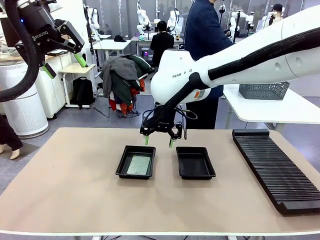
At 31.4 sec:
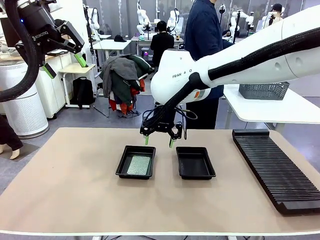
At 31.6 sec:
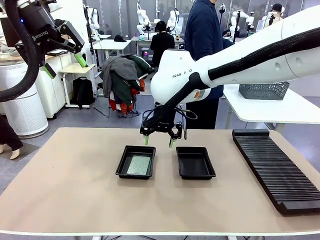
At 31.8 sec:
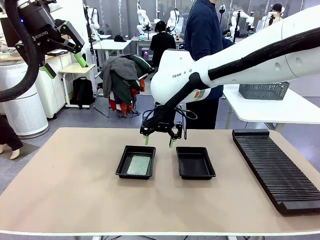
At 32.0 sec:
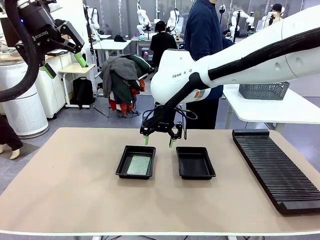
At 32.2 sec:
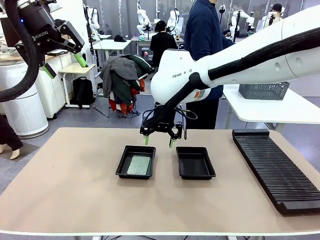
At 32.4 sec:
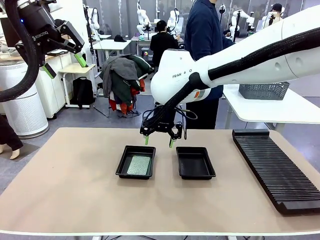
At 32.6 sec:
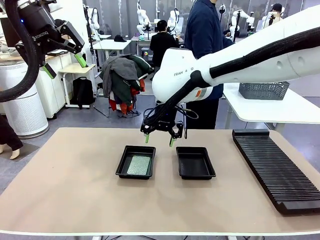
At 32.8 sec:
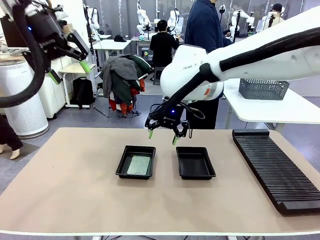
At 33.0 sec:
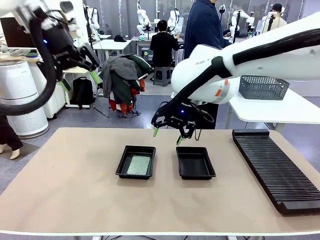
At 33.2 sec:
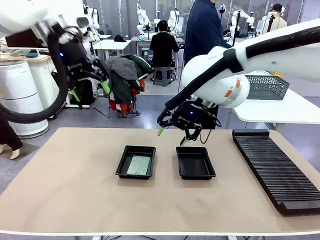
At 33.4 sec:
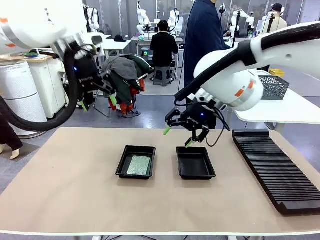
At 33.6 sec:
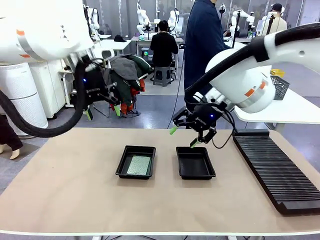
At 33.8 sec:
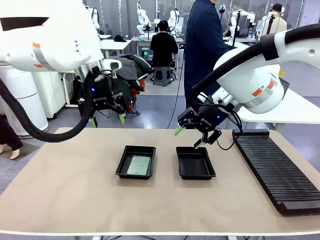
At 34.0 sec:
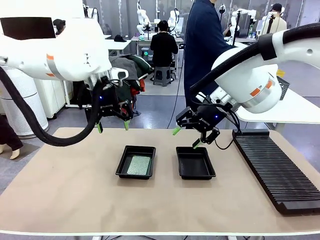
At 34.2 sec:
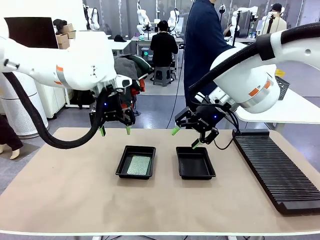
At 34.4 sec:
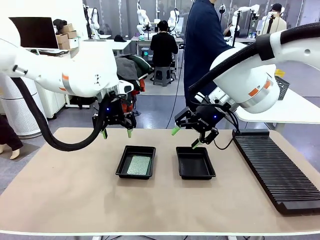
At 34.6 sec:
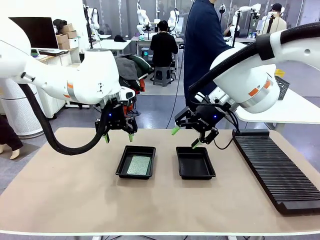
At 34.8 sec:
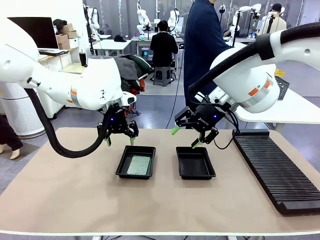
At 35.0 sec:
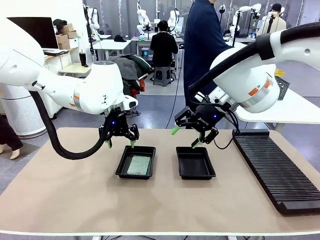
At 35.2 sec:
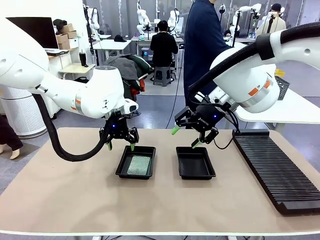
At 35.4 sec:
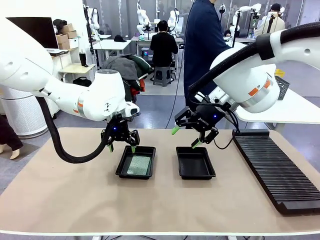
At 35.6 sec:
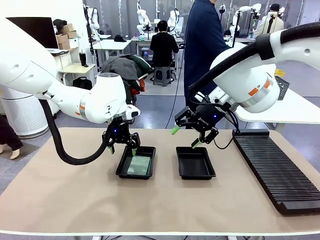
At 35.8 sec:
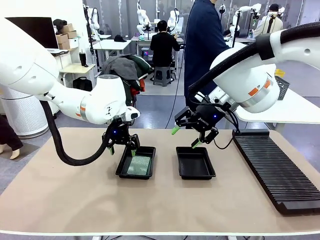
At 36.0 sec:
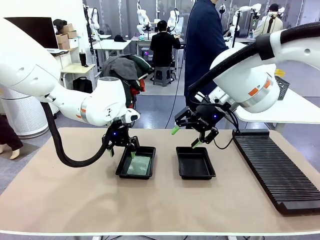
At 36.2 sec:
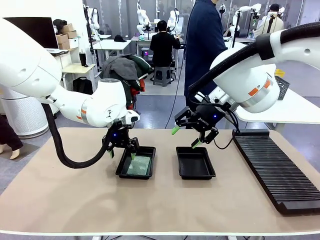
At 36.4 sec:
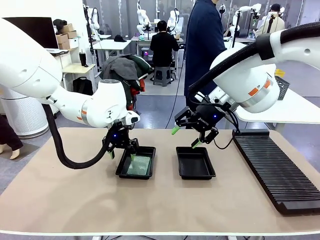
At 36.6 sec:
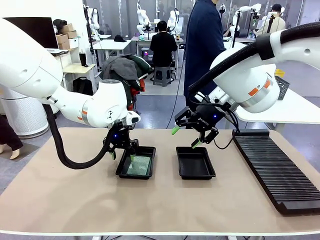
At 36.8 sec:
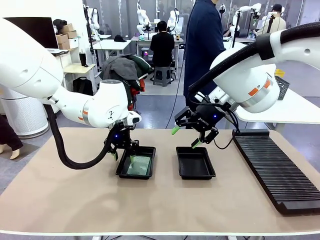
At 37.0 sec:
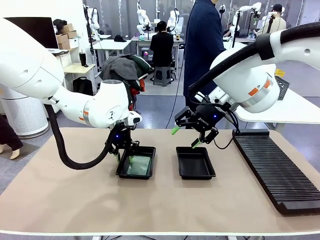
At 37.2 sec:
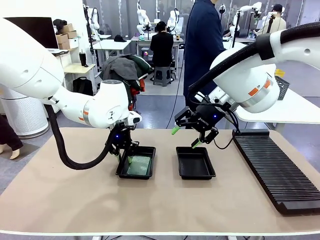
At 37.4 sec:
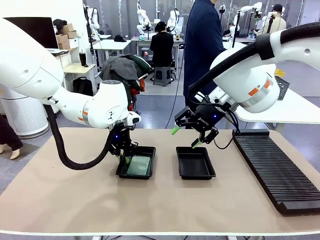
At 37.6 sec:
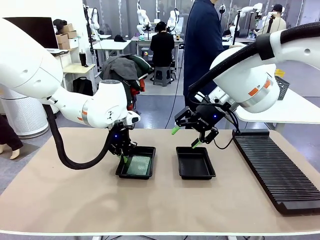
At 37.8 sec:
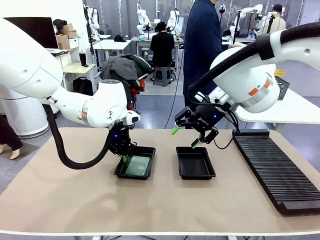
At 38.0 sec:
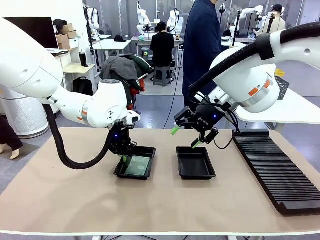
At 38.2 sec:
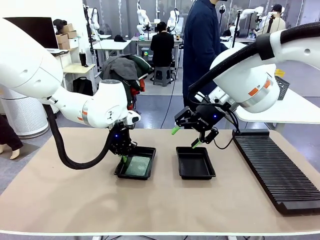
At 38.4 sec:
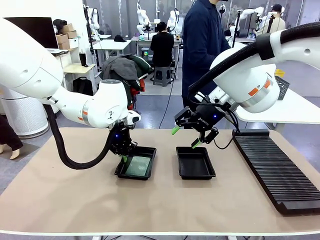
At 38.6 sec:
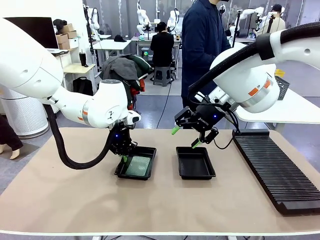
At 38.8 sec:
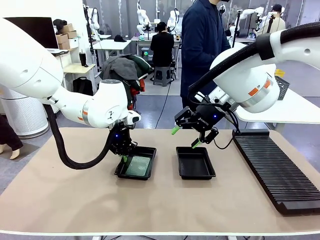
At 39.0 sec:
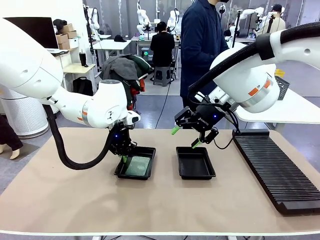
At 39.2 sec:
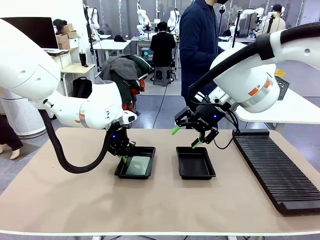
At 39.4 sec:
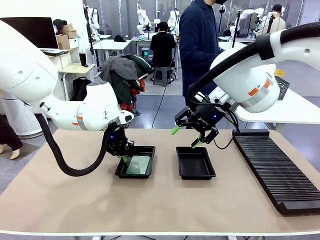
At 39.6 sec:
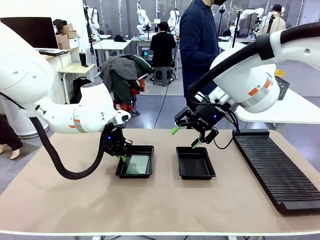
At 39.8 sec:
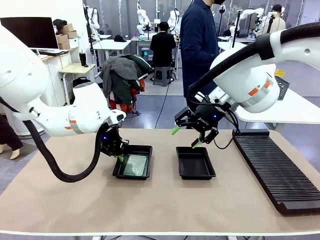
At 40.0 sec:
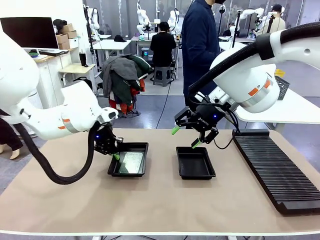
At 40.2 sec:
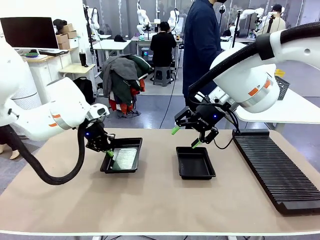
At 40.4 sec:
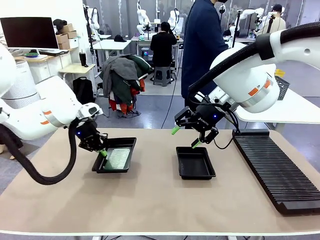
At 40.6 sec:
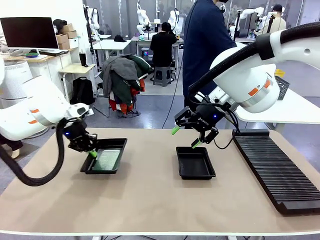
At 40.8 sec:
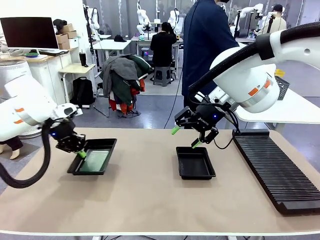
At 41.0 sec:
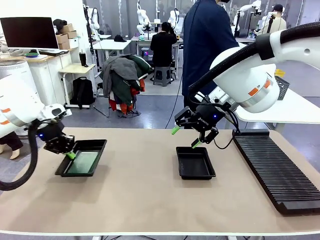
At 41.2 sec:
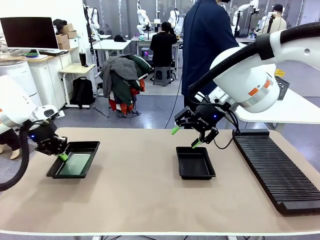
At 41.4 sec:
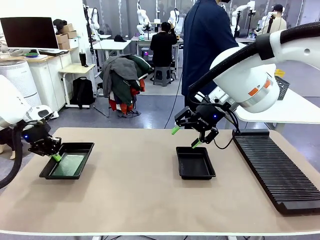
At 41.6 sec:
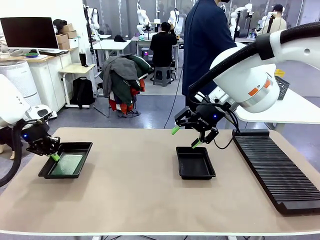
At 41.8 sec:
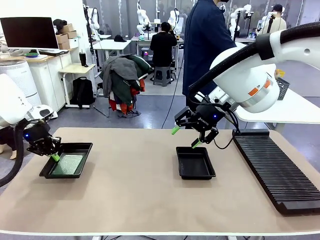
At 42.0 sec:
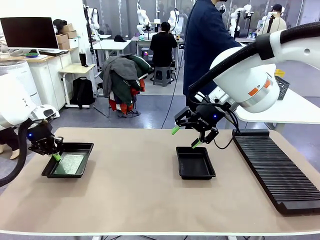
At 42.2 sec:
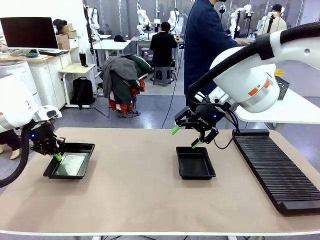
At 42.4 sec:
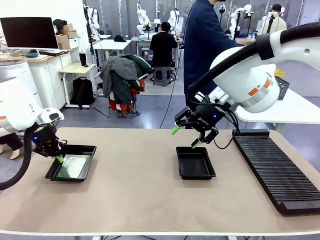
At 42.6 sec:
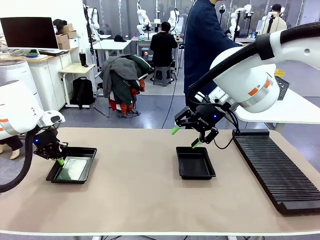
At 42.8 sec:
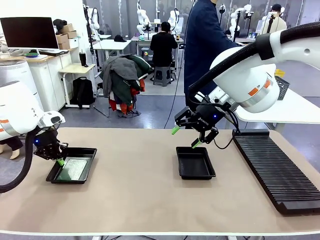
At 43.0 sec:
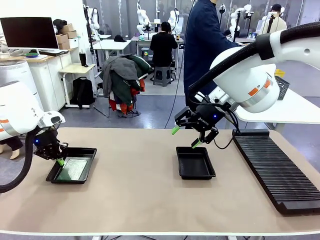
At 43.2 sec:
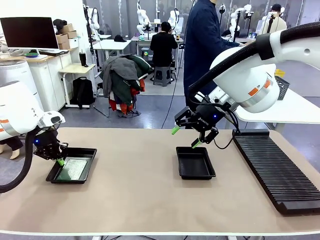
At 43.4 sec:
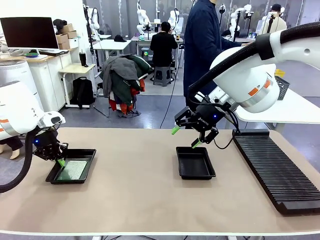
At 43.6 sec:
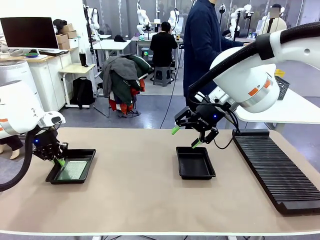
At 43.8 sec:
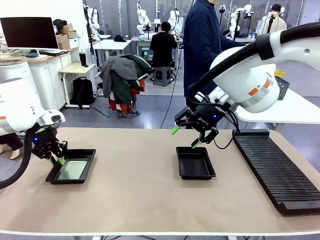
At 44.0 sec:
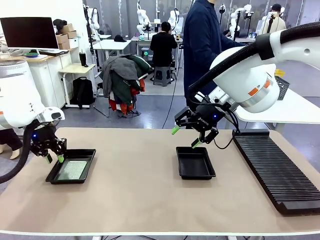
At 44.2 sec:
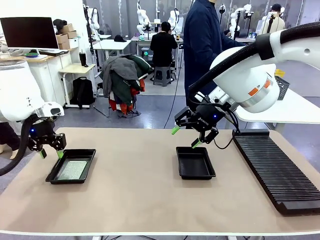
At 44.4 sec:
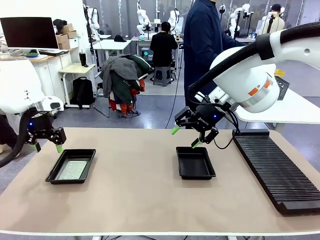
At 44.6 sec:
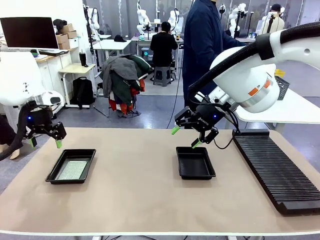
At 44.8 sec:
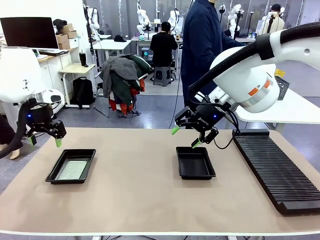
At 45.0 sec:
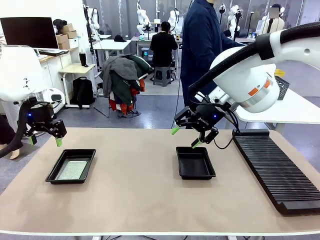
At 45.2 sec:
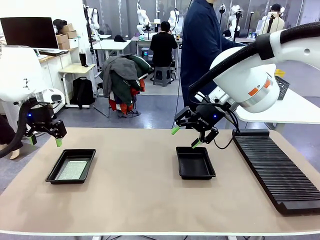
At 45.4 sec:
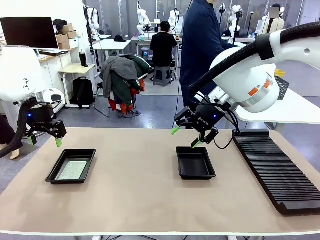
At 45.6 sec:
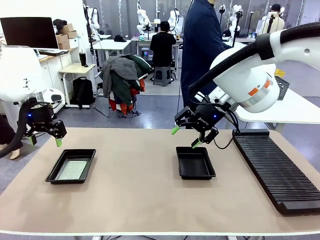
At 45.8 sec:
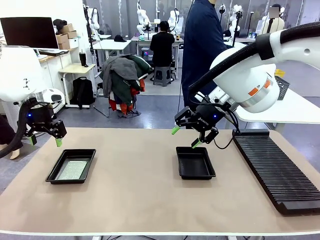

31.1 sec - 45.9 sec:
Task: Inspect and transfer BCBs to ESD trays.
Robot: Pick up the ESD tray and place it on the left side of the table.
